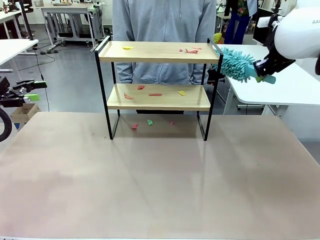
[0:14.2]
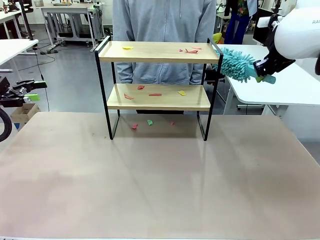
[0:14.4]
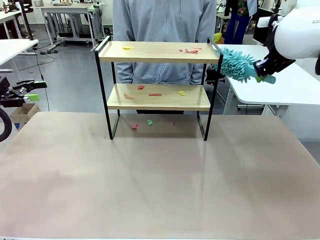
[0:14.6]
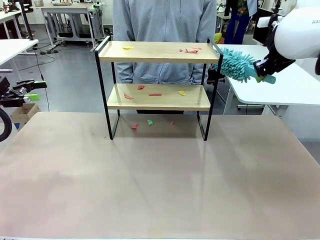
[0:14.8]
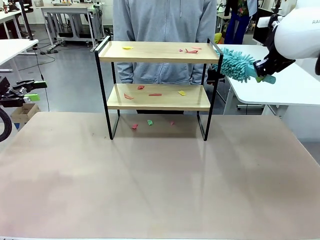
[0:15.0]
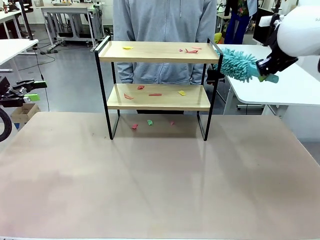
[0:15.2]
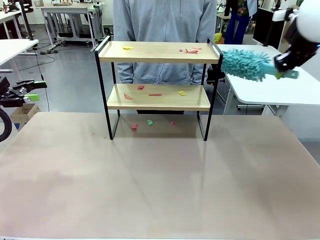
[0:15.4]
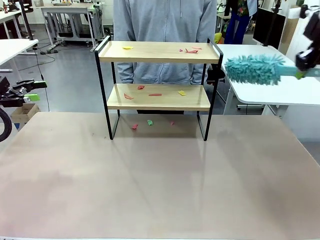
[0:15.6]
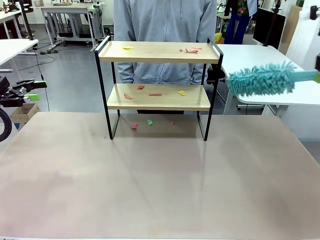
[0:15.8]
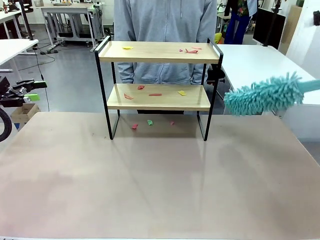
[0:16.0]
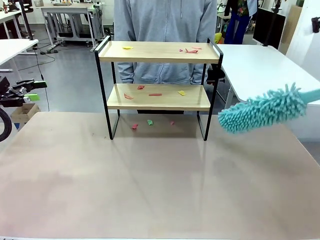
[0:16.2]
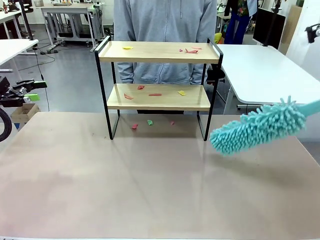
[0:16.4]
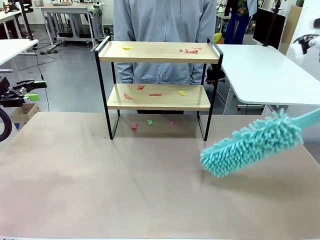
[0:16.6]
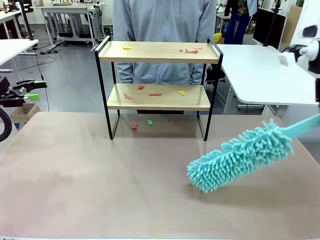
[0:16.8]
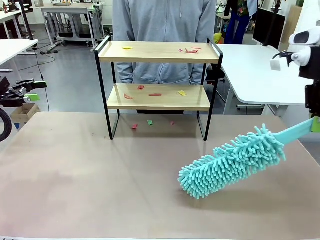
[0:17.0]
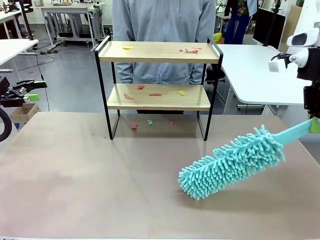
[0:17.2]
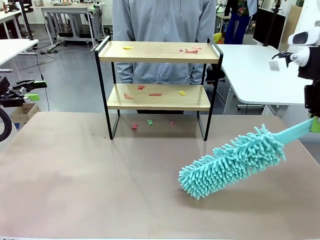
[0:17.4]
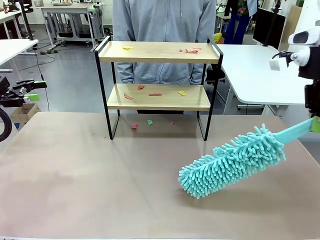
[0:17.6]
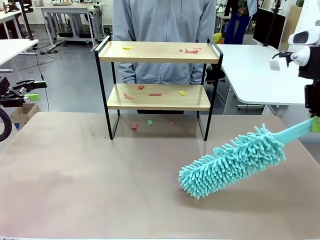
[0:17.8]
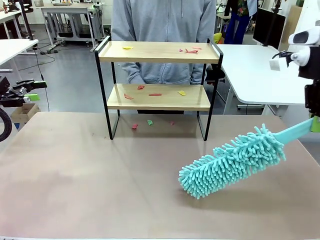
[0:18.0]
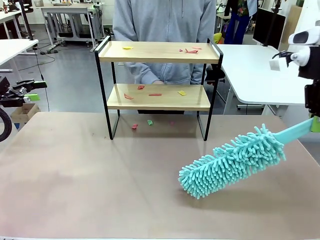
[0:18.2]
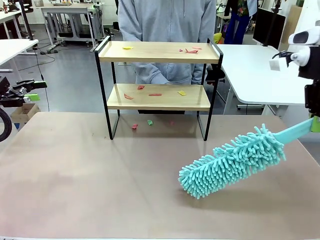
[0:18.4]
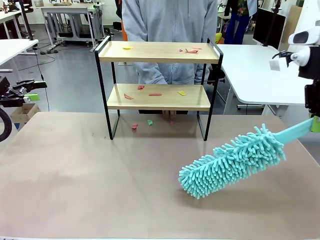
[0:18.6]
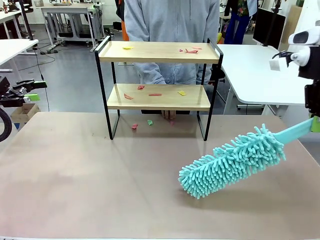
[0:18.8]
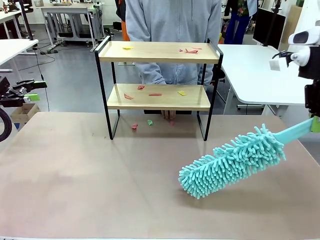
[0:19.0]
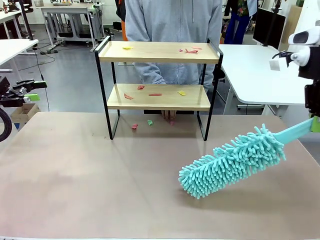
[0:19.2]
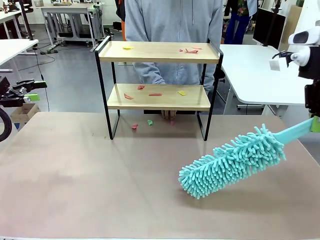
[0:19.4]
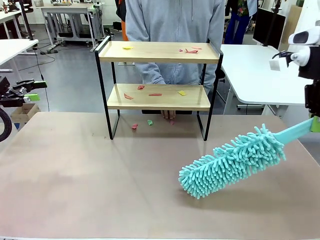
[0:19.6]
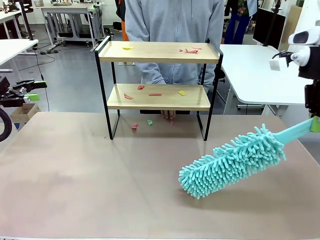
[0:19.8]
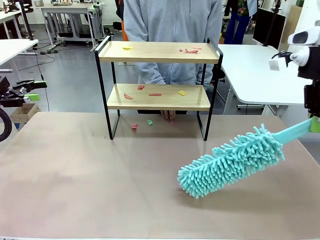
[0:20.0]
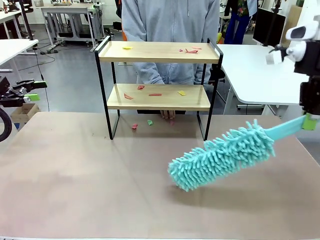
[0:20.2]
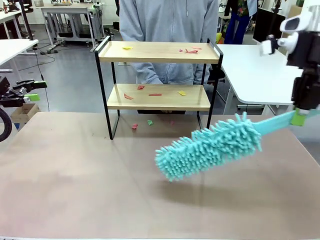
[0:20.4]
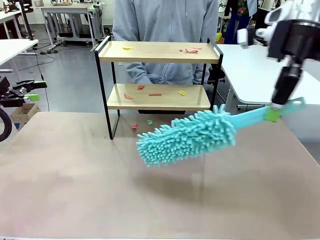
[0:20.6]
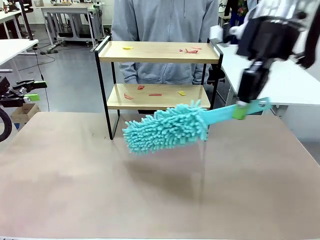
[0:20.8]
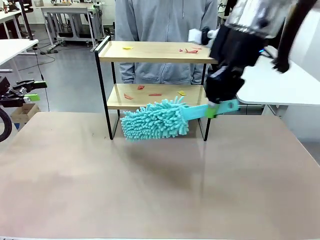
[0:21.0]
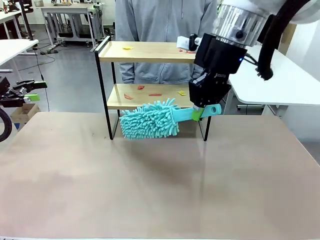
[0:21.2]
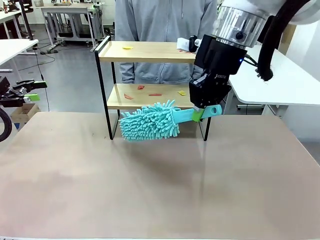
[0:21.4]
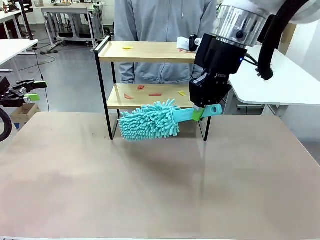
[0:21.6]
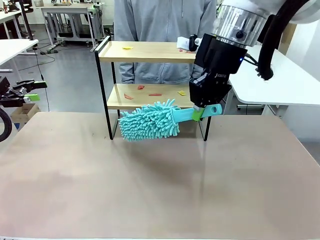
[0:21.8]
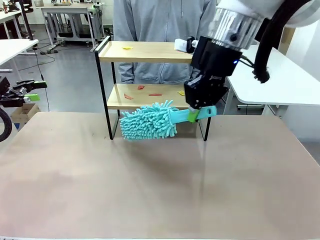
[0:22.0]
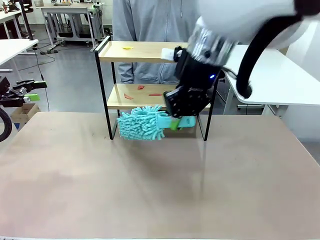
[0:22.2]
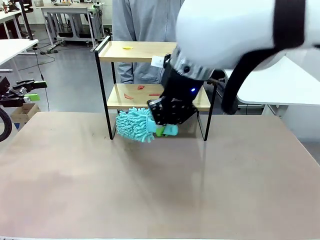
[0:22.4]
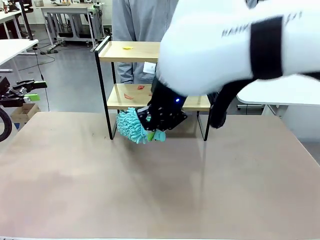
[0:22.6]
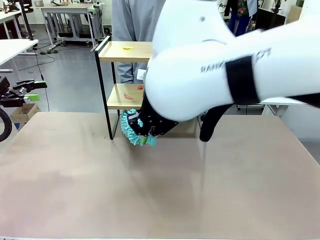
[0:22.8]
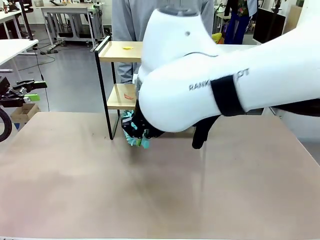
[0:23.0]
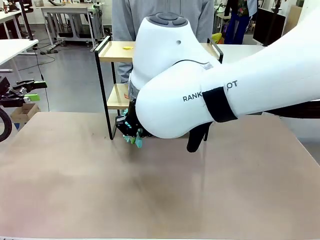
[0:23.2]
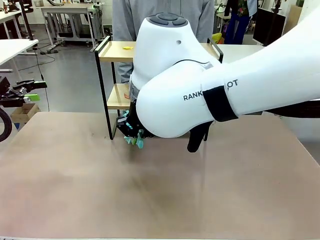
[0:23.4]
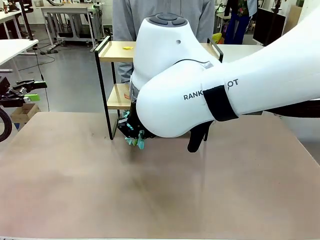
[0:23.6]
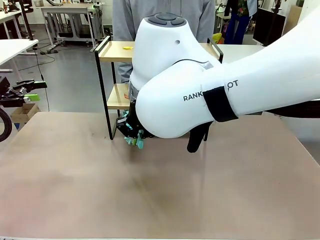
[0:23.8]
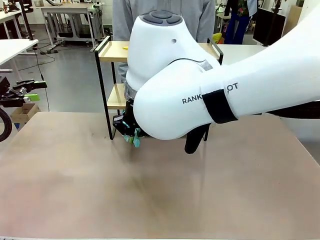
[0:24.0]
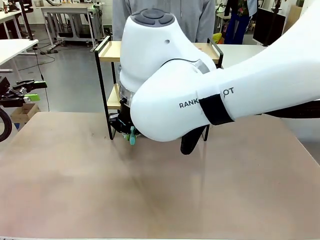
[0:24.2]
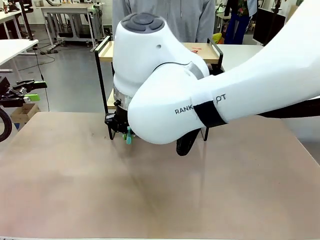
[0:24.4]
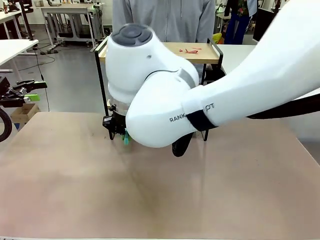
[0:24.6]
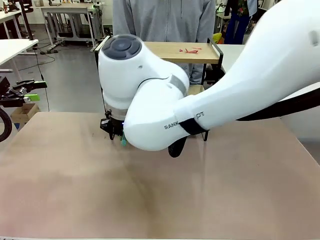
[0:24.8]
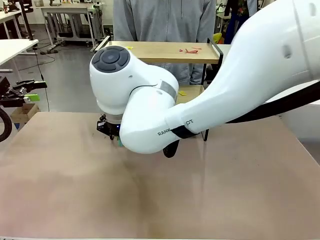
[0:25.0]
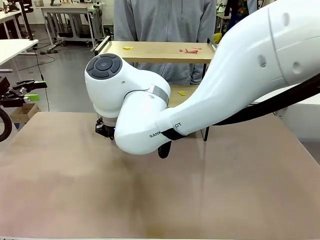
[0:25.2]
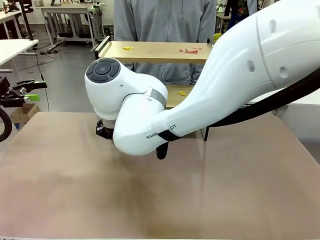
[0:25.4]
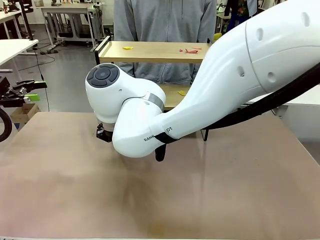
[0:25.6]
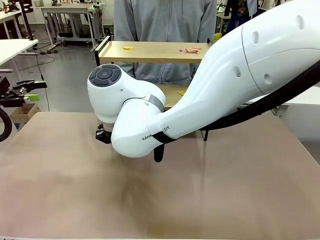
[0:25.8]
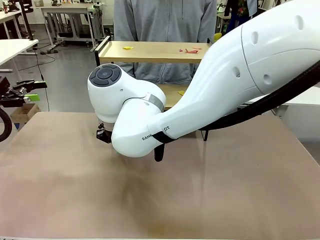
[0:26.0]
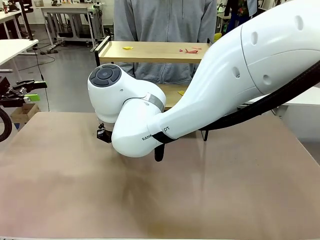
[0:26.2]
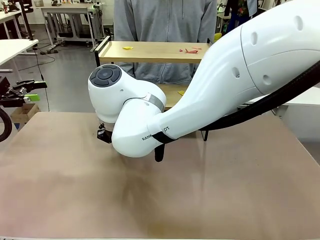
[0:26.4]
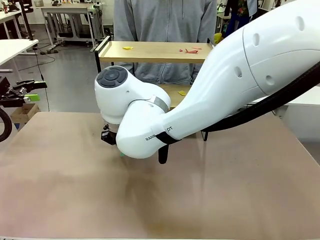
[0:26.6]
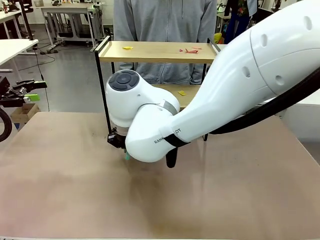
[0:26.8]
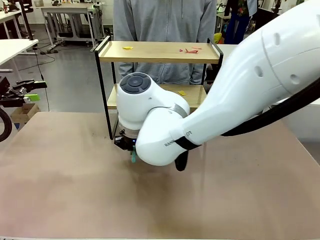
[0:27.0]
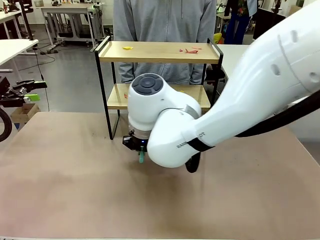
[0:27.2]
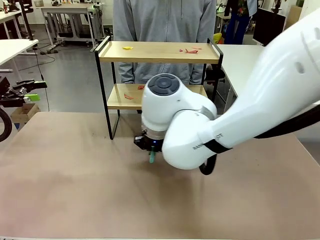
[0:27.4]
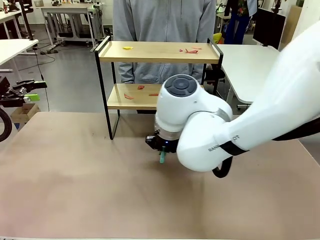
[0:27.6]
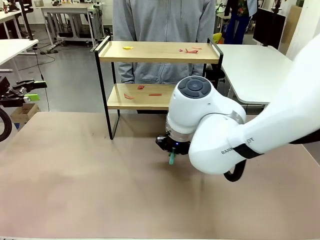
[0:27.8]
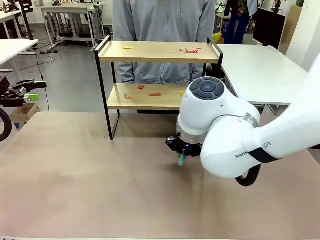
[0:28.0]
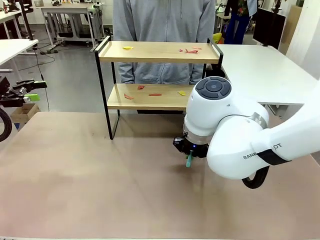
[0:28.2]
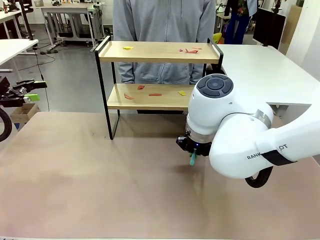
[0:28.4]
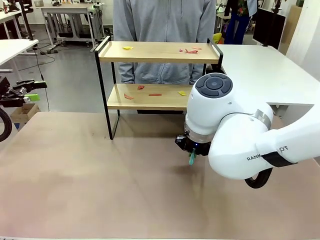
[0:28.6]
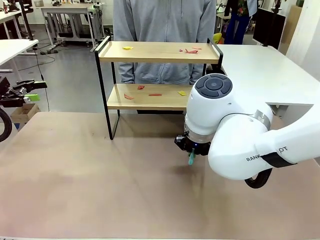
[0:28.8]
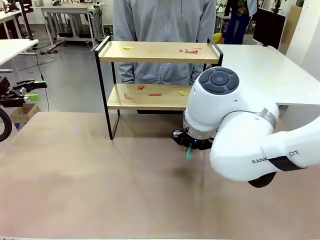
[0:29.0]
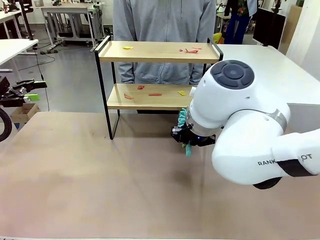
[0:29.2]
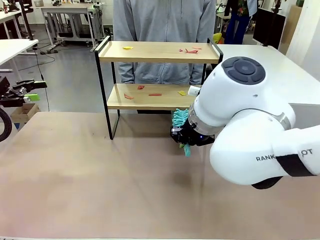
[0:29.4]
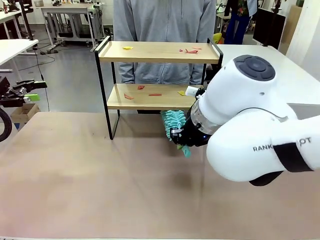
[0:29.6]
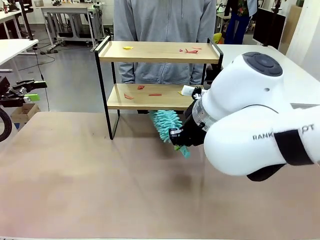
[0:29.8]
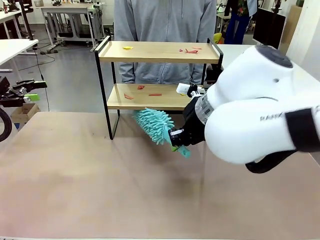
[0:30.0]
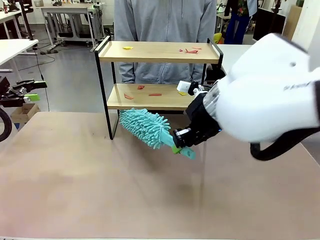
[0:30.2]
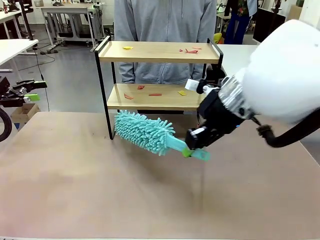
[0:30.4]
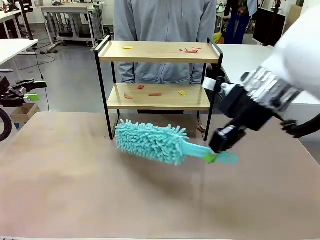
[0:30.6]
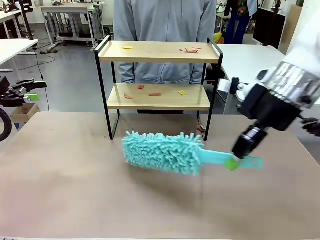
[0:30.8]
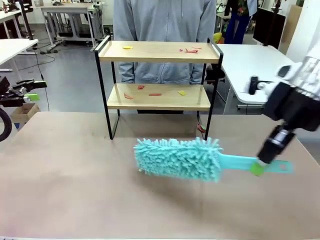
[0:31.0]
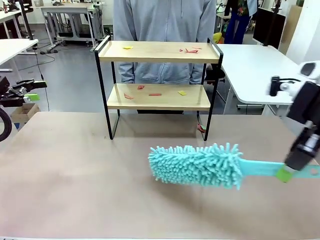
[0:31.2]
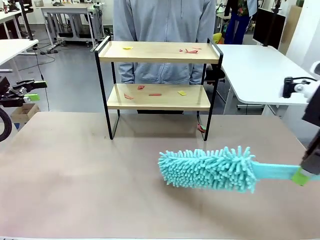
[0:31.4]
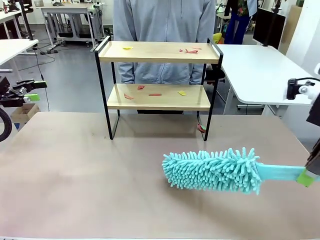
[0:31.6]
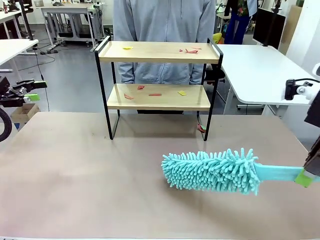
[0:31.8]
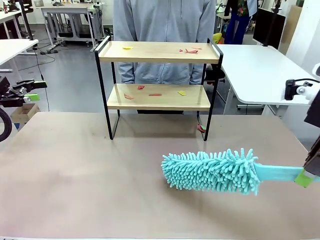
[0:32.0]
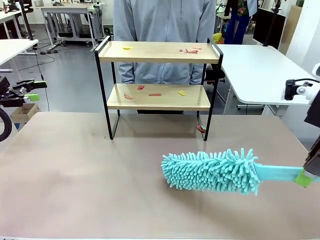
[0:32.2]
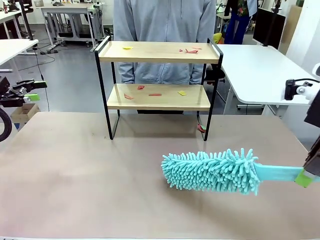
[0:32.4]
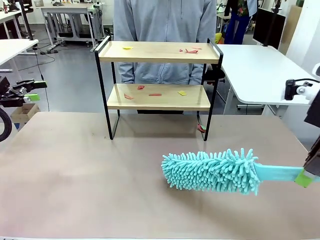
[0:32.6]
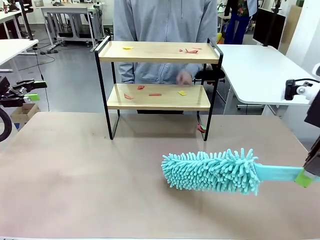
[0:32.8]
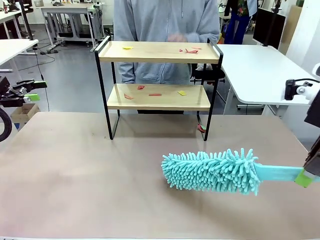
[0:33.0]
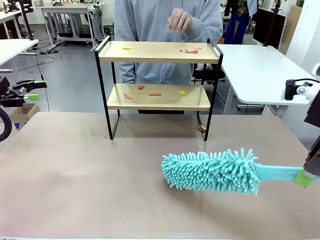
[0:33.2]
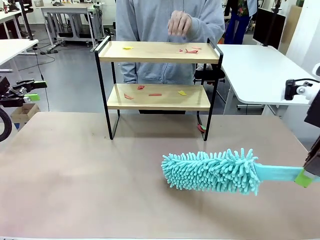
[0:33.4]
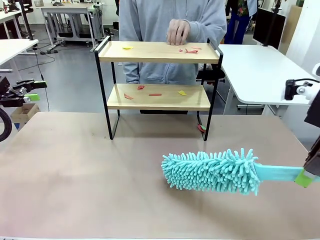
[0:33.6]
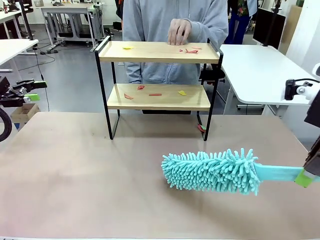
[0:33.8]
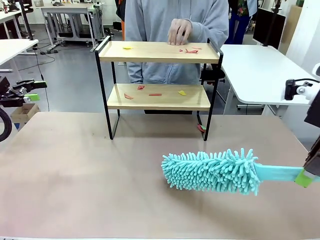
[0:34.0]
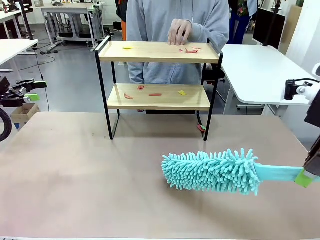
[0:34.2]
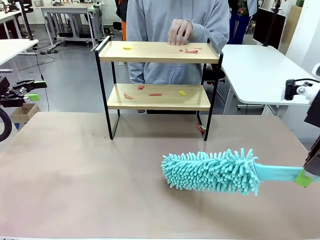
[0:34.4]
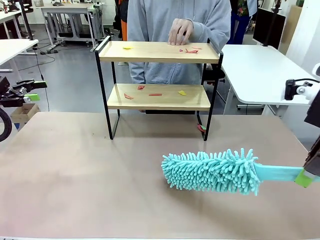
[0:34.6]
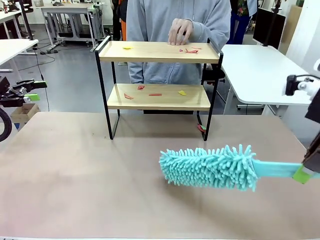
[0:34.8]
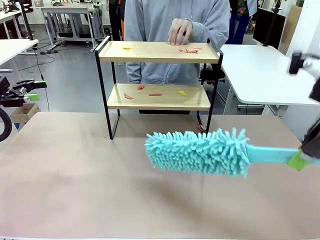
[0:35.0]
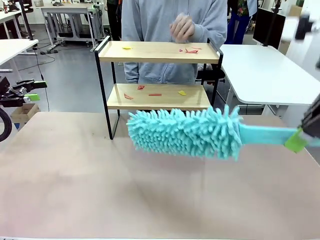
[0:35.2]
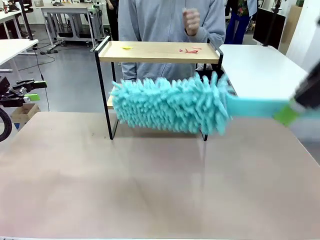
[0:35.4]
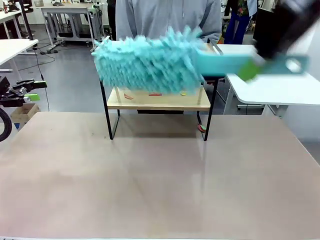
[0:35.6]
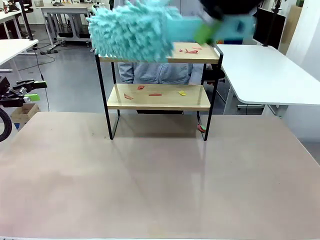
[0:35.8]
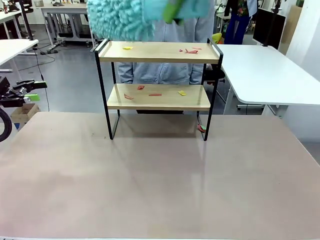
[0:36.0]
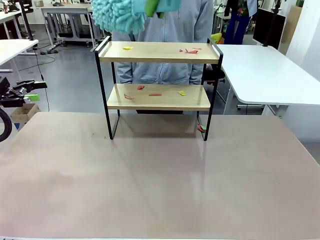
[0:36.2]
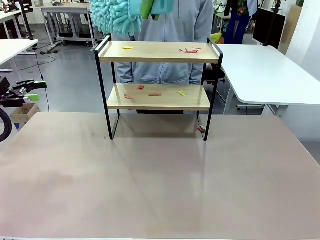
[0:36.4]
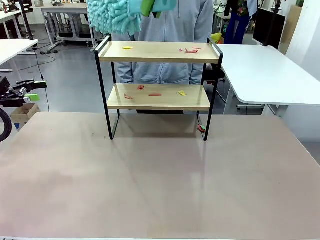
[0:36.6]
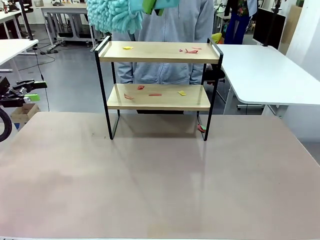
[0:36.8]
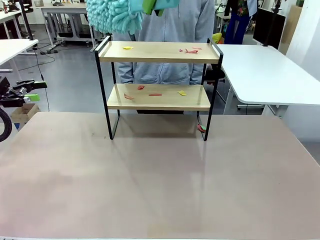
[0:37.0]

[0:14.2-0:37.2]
Task: Clean the shelf.
Robot: Clean the specific section of the Shelf indicated by the human with the Duster.
Person: Point a random section of the Shelf.
